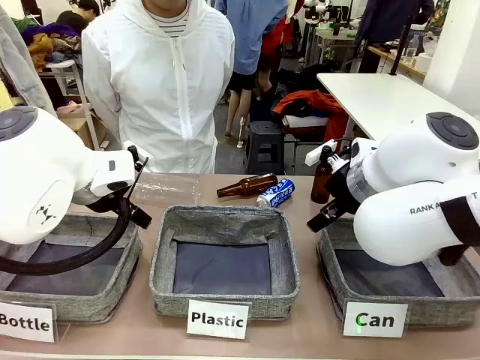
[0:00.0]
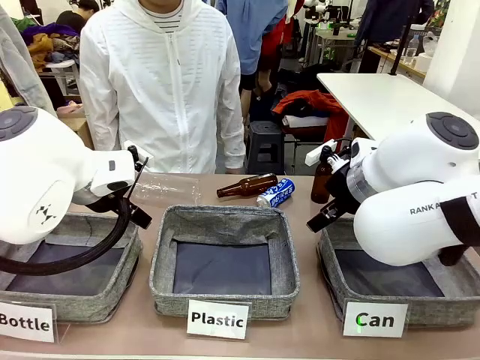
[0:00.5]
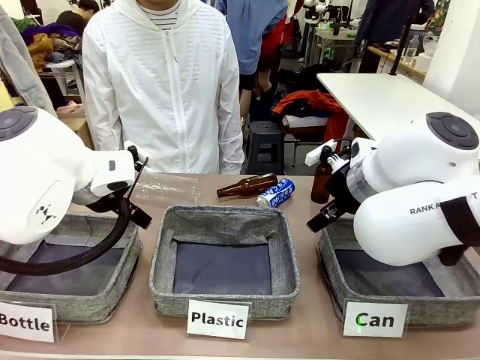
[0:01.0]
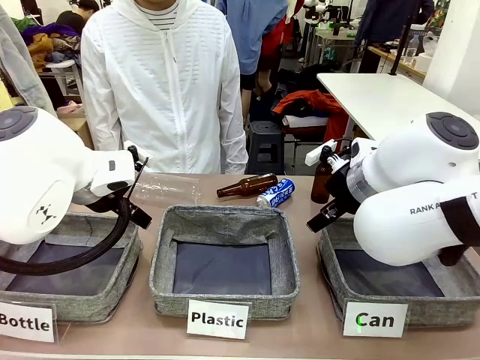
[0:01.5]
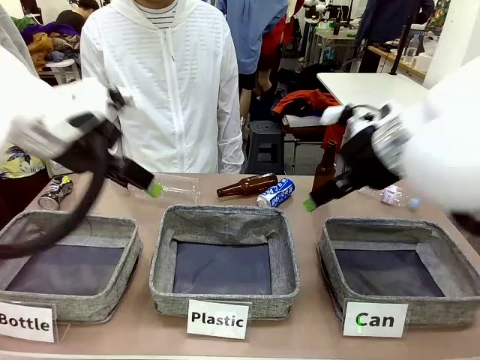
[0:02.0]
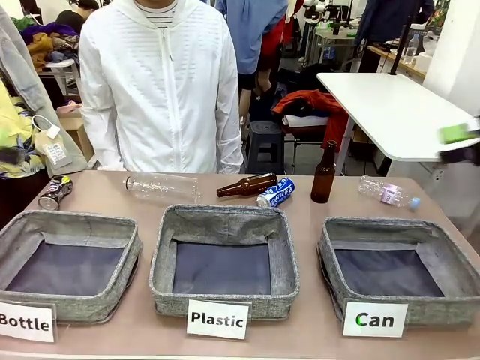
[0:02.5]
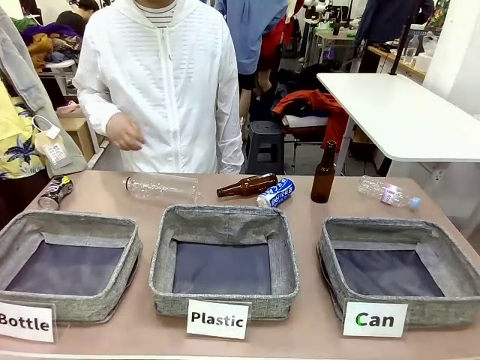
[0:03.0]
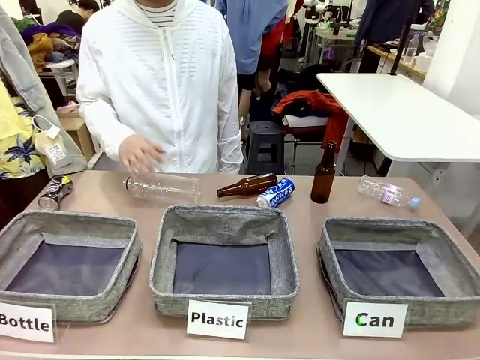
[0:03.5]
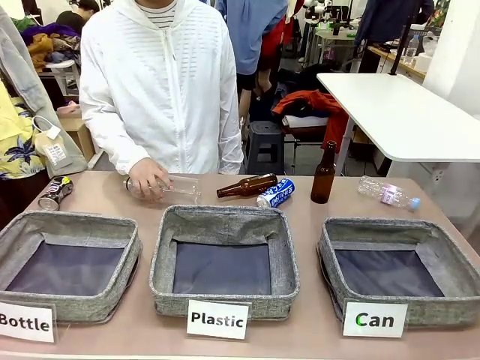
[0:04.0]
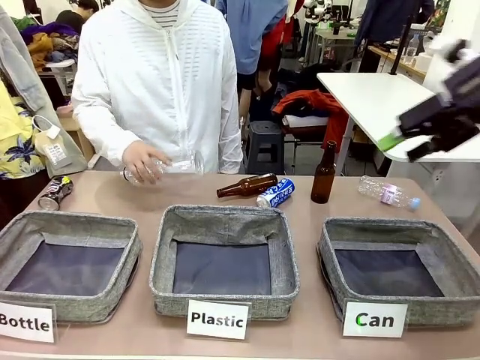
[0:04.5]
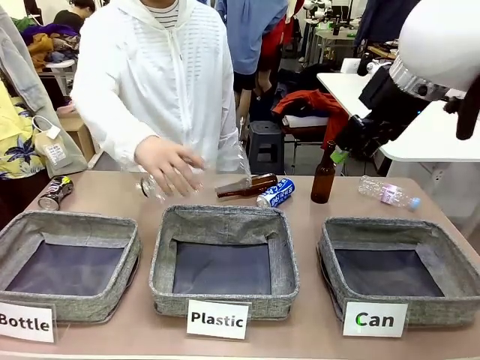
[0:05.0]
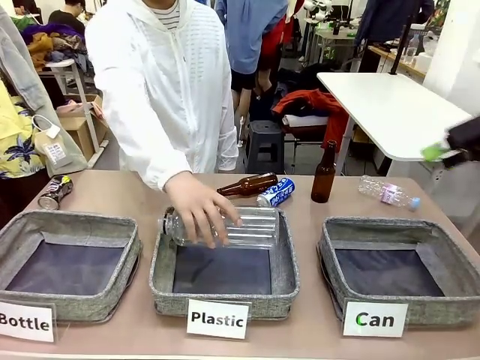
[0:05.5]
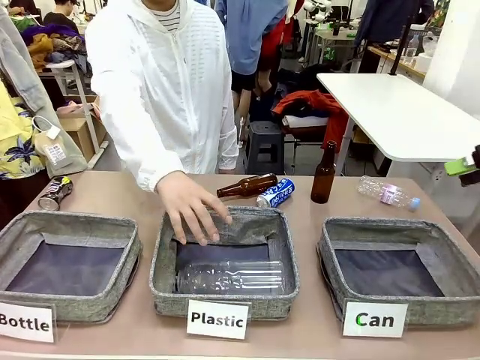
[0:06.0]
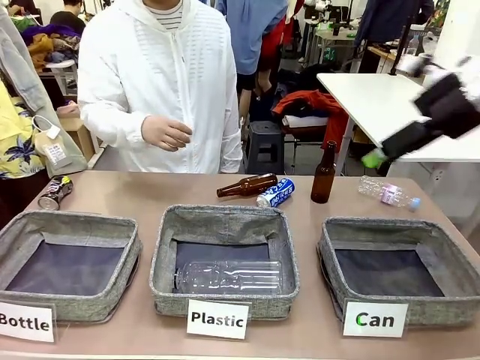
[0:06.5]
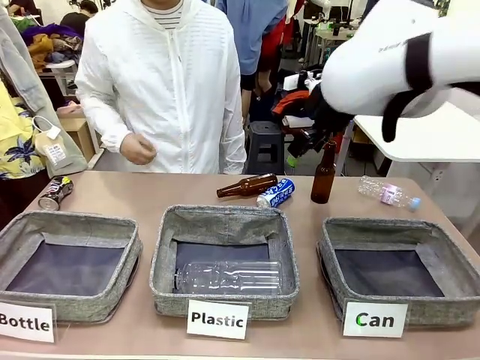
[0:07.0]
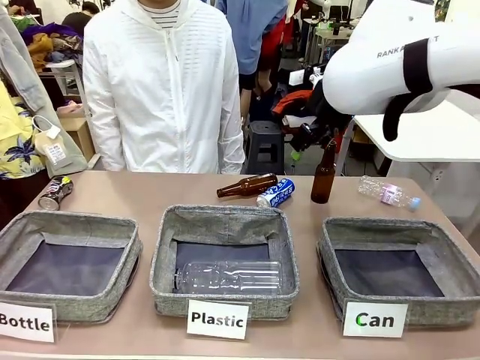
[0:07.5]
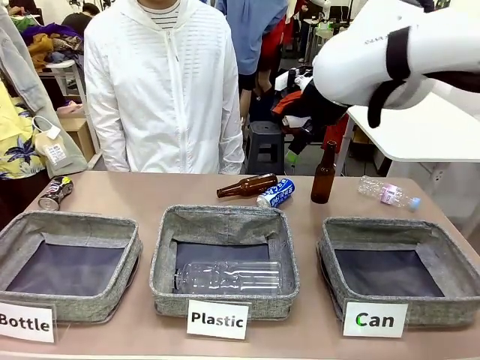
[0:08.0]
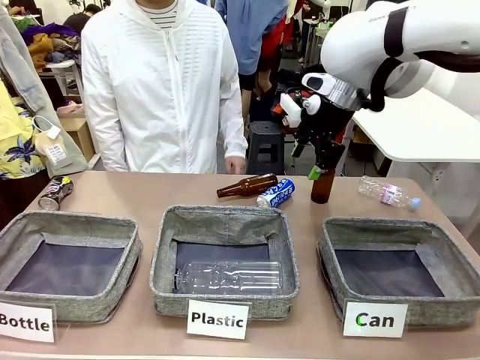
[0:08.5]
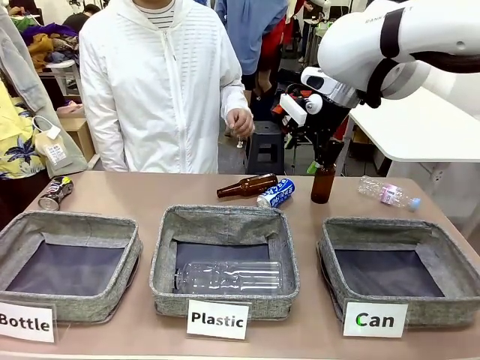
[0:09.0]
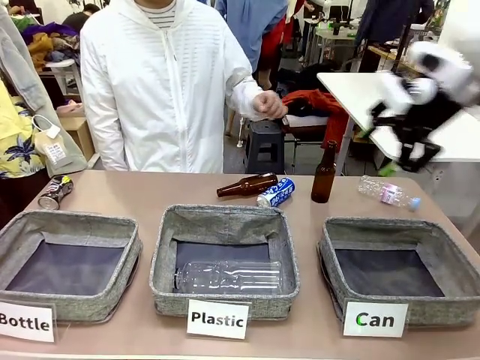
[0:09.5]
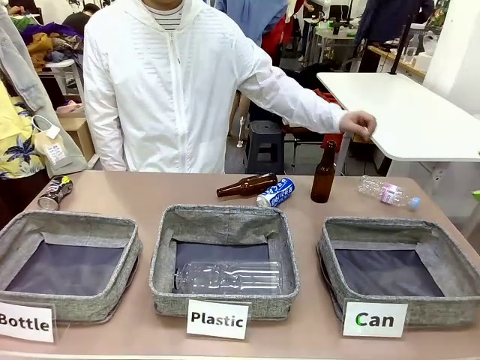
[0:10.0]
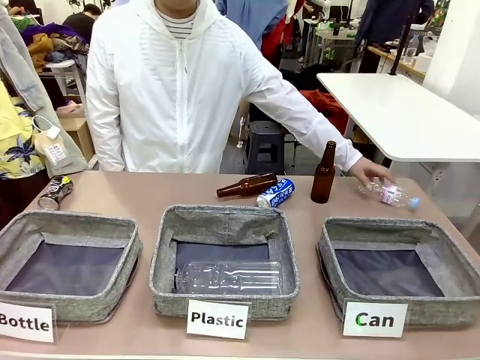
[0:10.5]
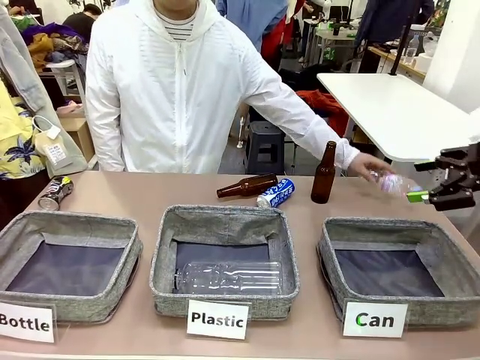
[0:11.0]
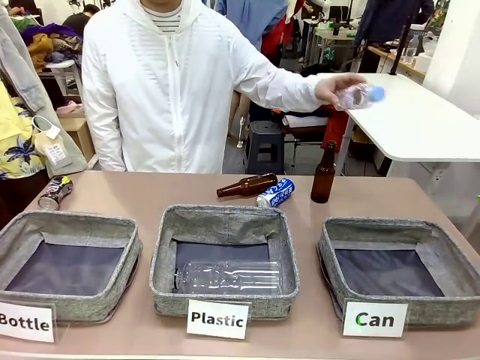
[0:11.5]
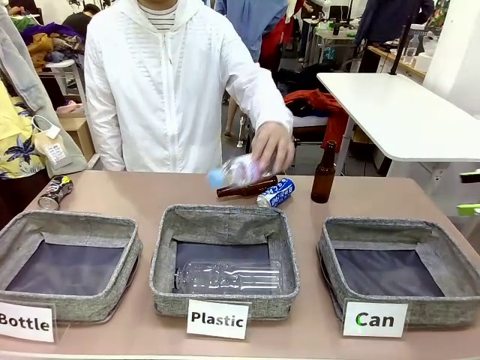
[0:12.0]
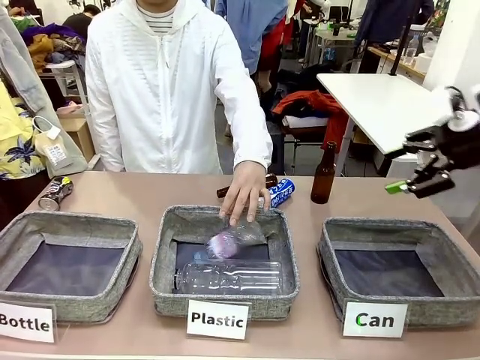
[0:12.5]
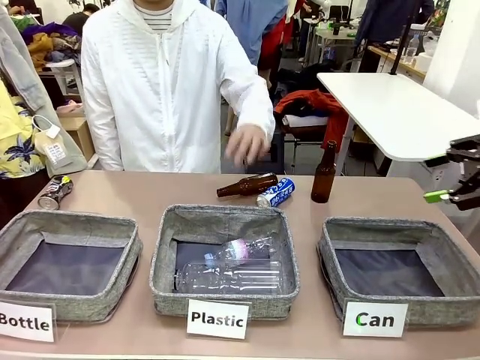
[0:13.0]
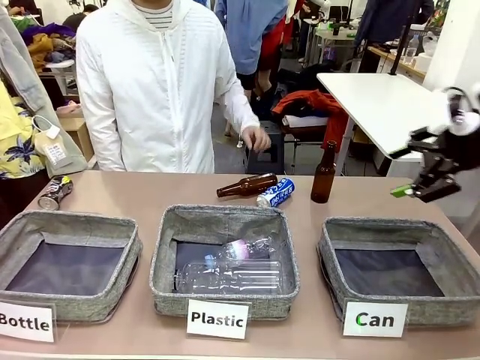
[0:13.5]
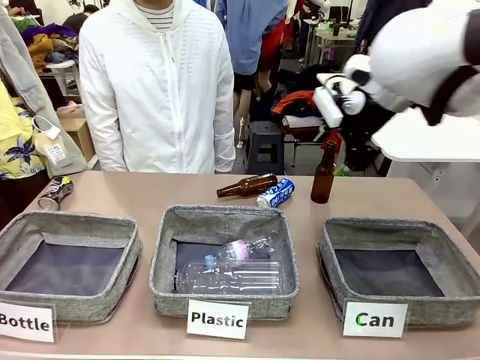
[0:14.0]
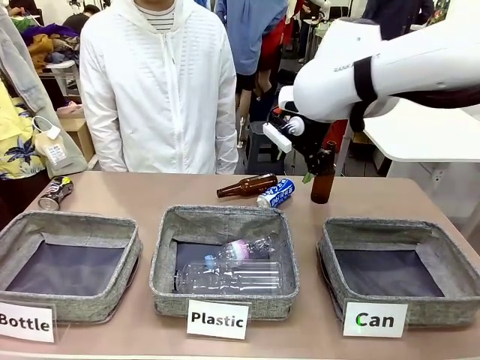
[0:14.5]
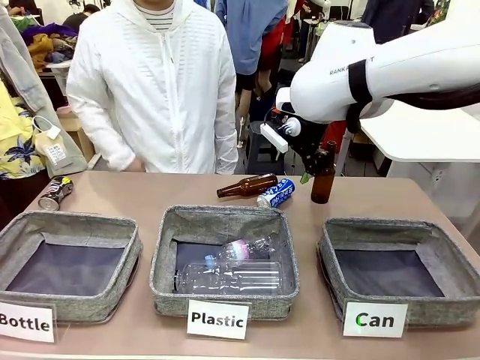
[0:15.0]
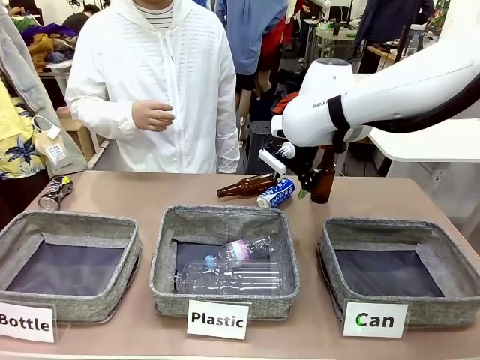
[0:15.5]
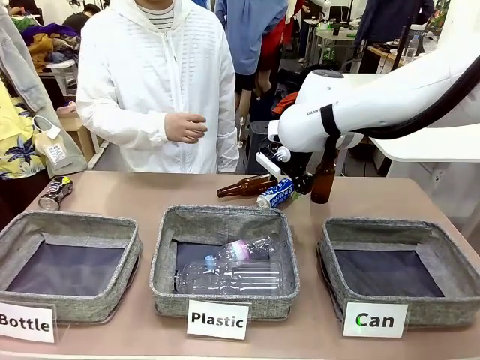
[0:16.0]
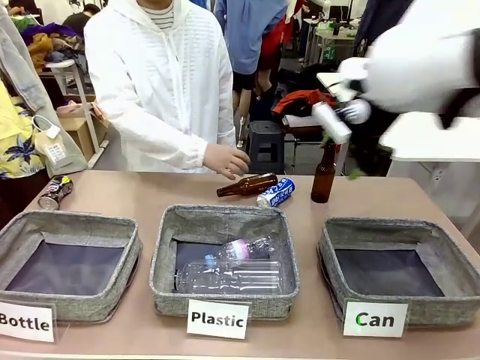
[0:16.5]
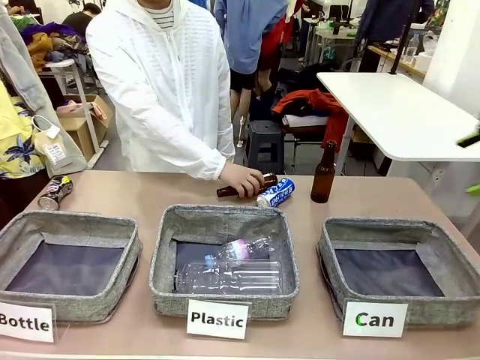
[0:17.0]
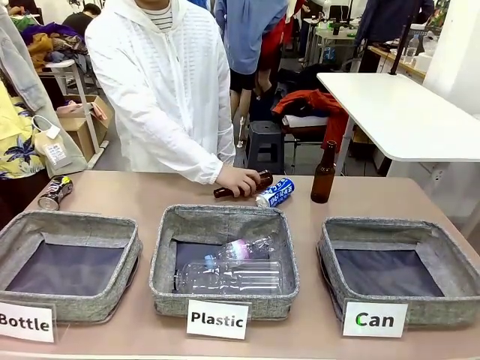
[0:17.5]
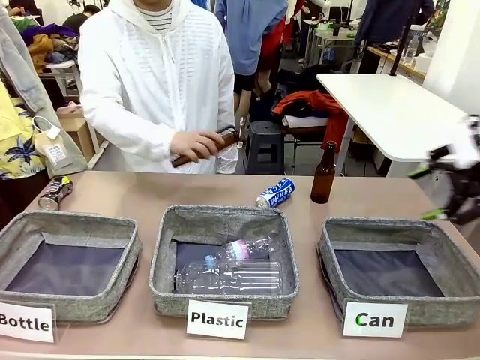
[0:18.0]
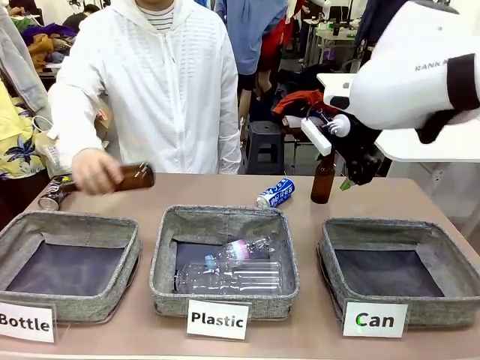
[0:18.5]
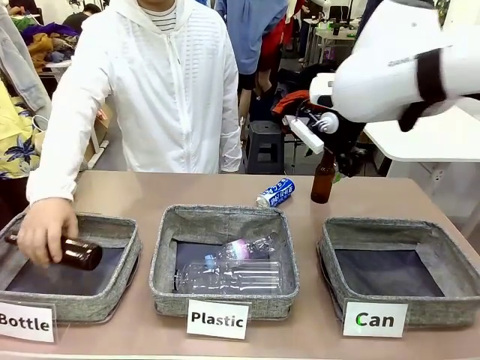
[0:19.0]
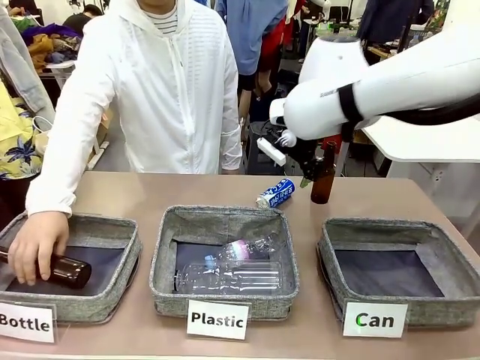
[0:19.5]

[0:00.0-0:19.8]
Task: Sort the can waste into the basket.
Robot: Pick up the can waste from the table and place it in the right Fabric basket.
